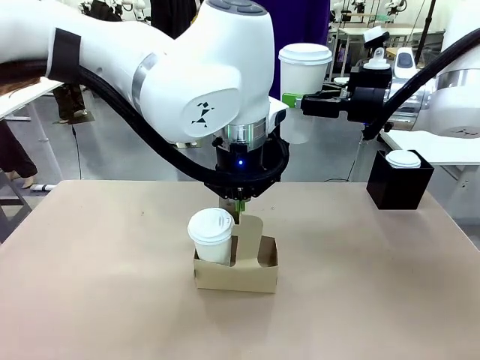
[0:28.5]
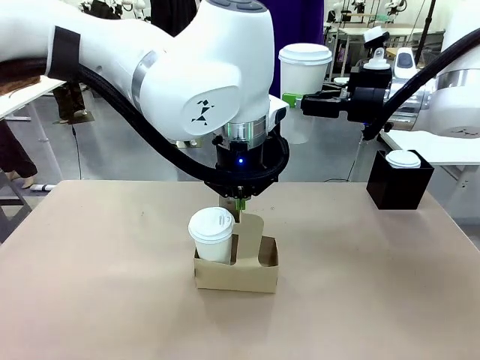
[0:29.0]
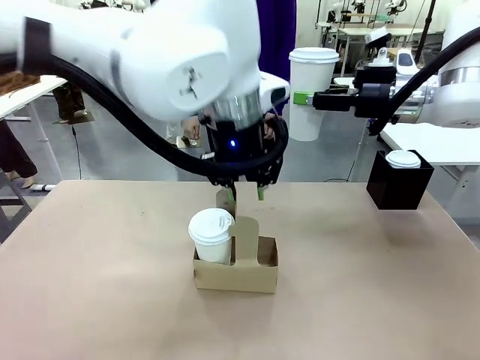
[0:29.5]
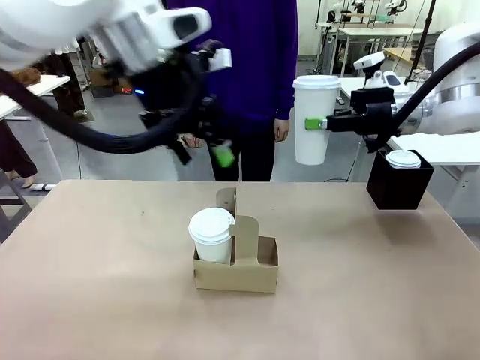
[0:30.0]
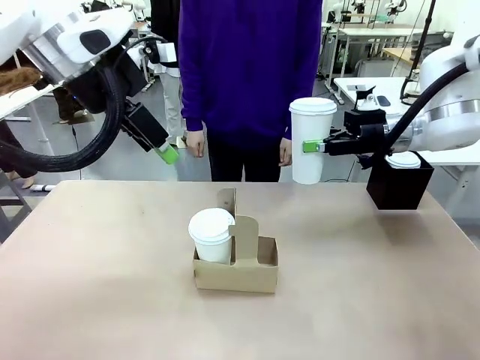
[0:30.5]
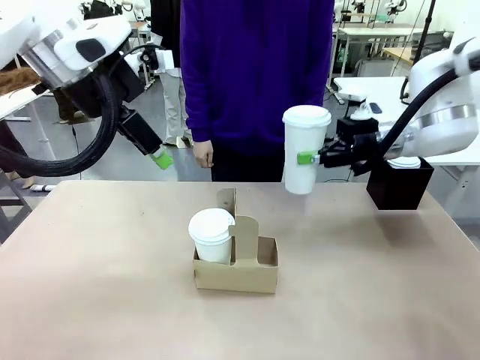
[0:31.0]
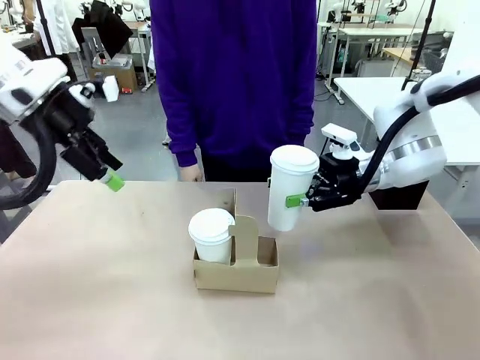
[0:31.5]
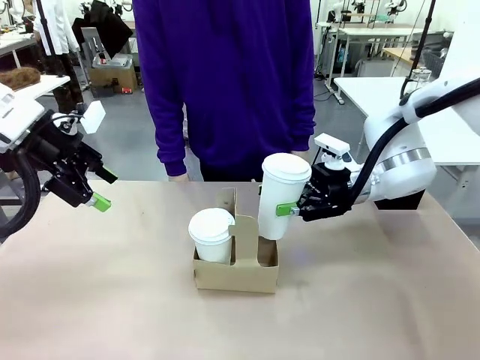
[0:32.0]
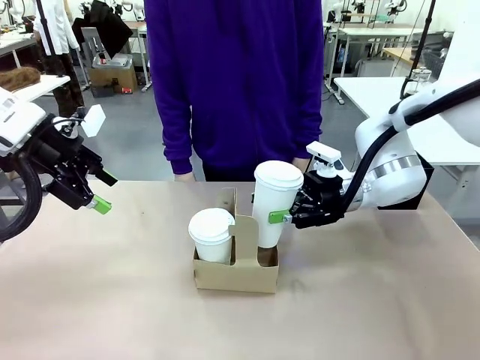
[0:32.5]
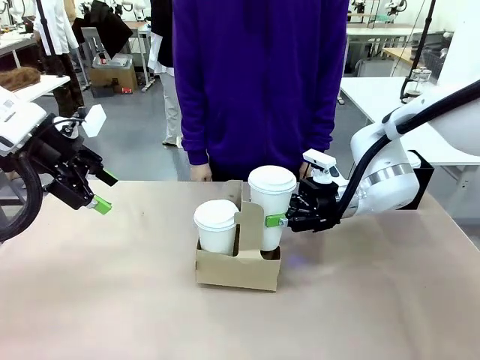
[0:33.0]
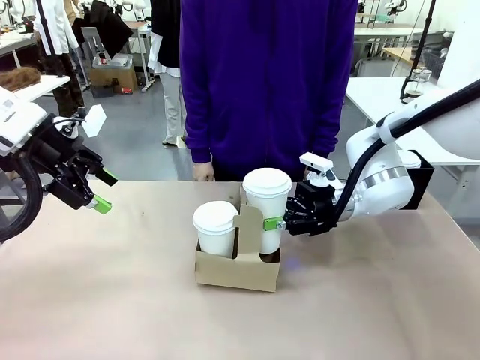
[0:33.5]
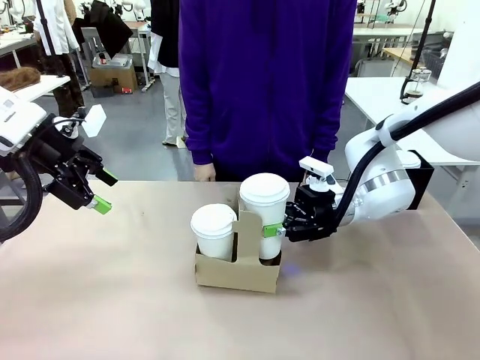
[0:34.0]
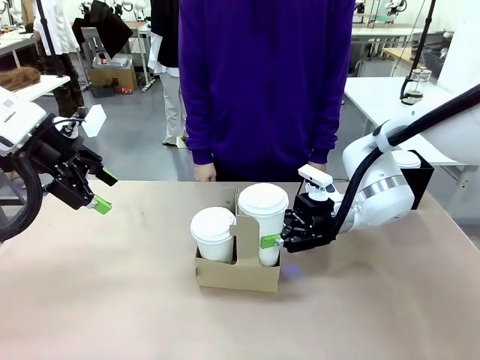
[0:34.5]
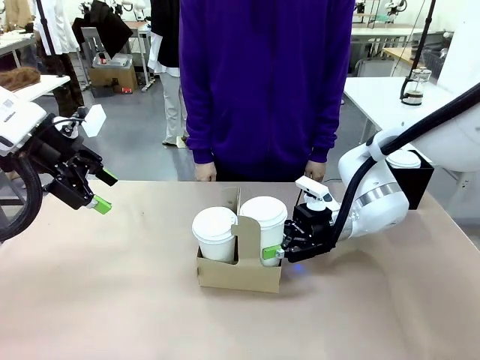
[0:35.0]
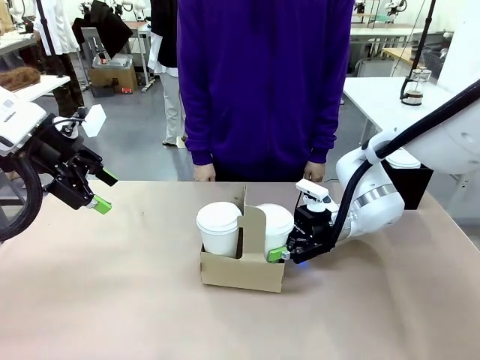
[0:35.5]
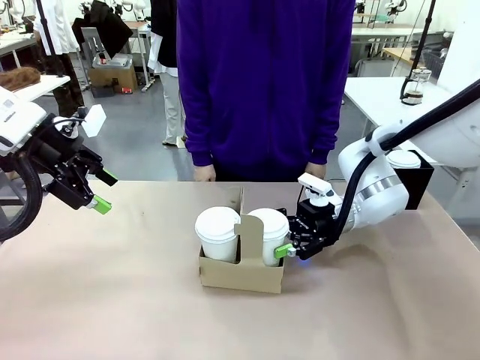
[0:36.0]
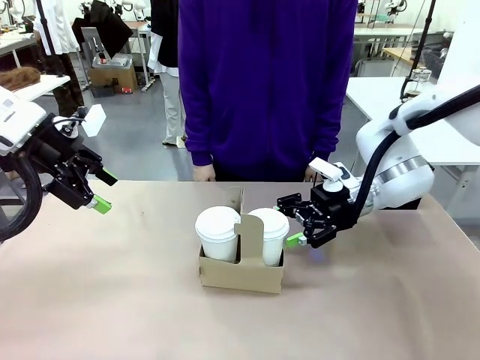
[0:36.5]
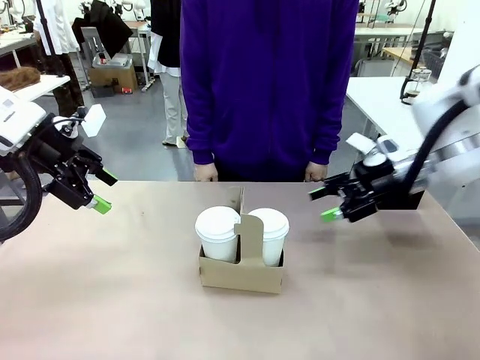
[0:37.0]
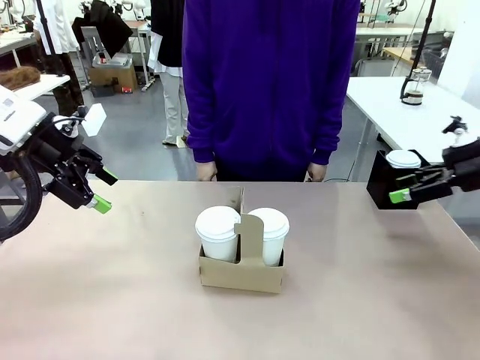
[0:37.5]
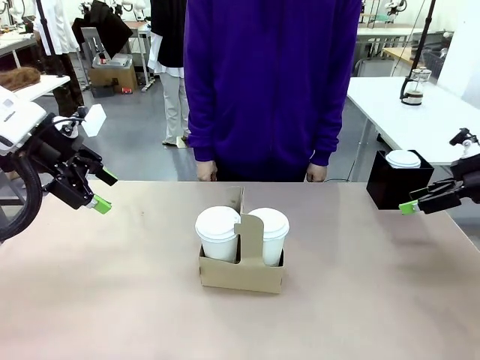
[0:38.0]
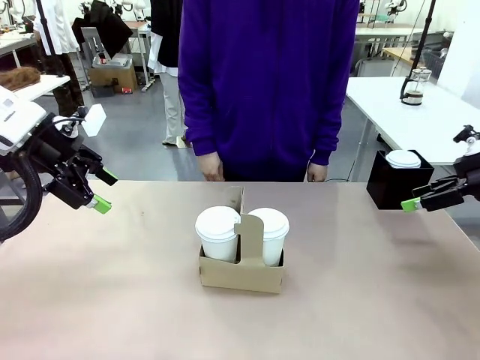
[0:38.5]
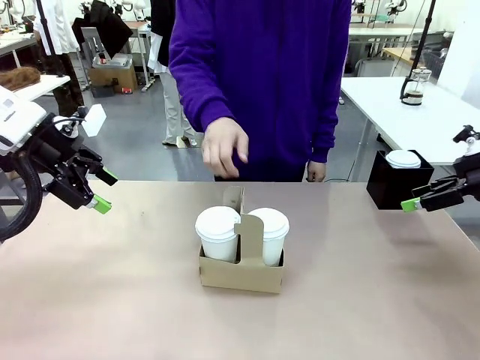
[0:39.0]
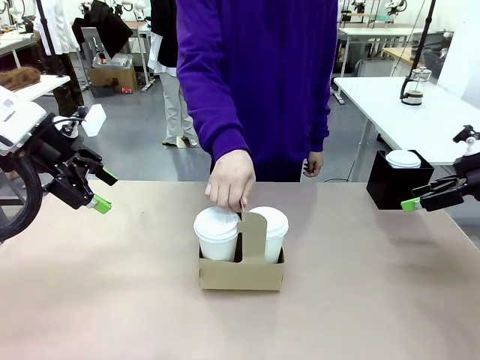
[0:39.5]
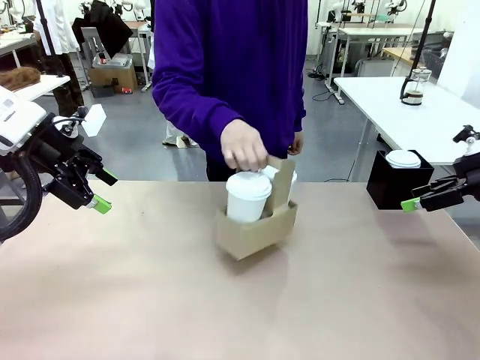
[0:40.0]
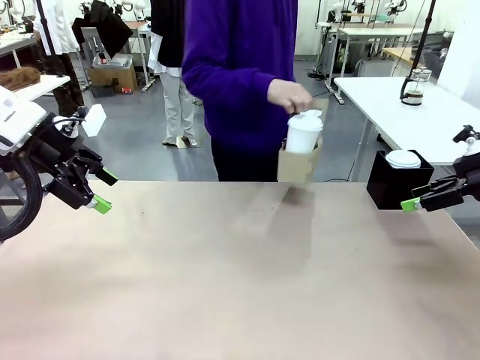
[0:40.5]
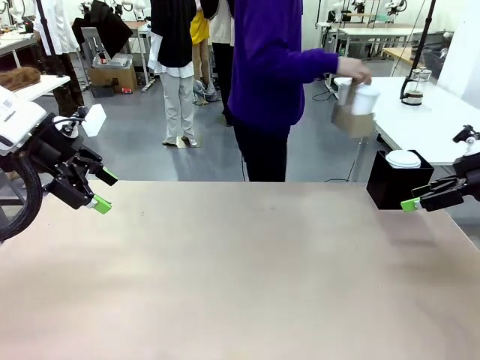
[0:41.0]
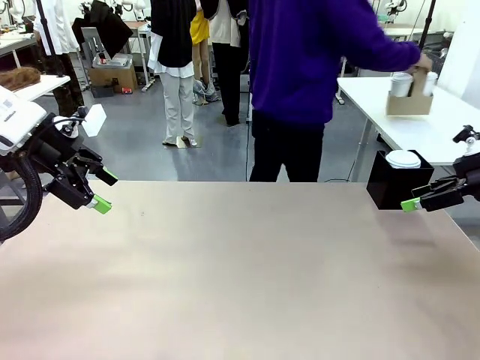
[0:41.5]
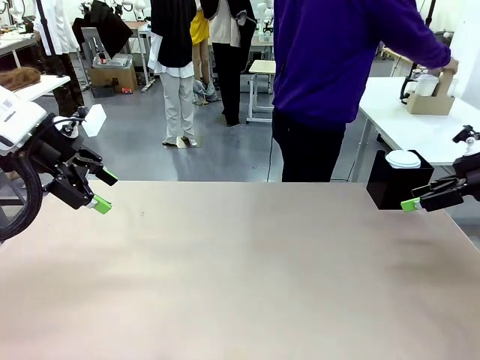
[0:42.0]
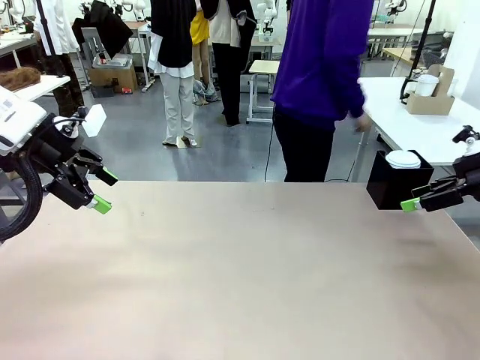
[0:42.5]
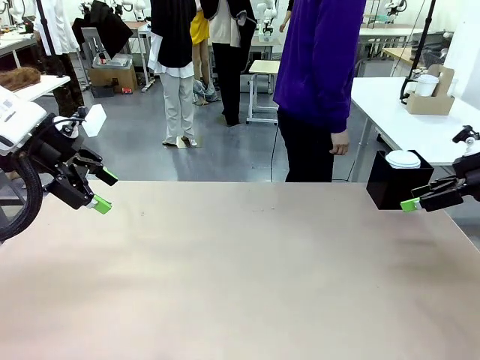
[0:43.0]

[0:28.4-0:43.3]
Task: Pour a drink into a cup and package it in a carrier.
Robot: Insert the held 600 ml Paper Cup into the Cup Carrier.
Person: Place the Cup Carrier to the middle of Human table.

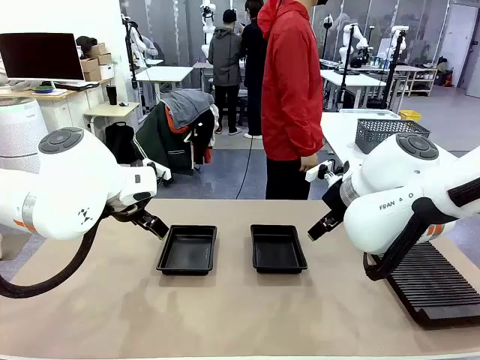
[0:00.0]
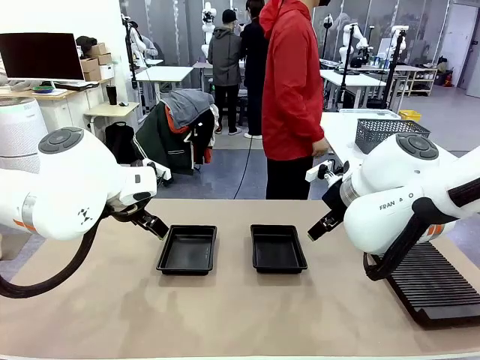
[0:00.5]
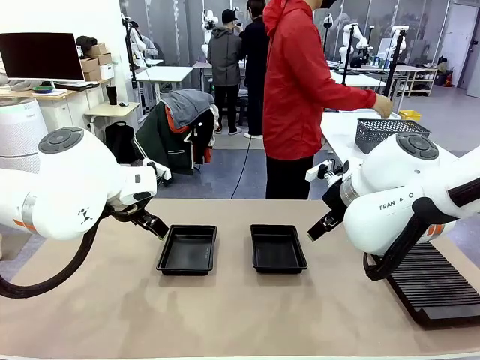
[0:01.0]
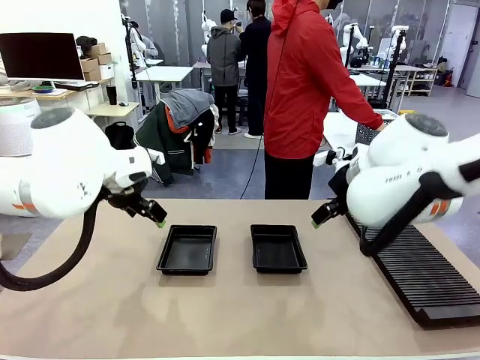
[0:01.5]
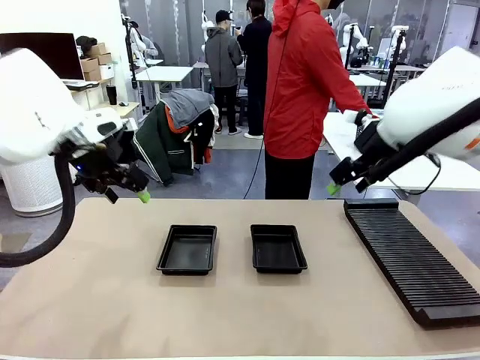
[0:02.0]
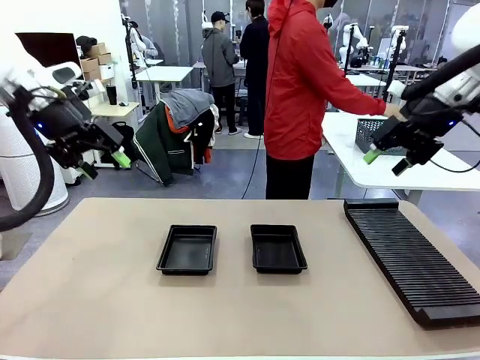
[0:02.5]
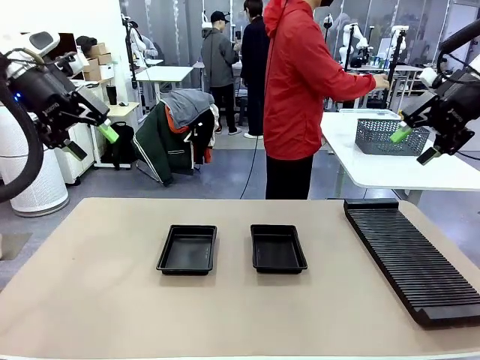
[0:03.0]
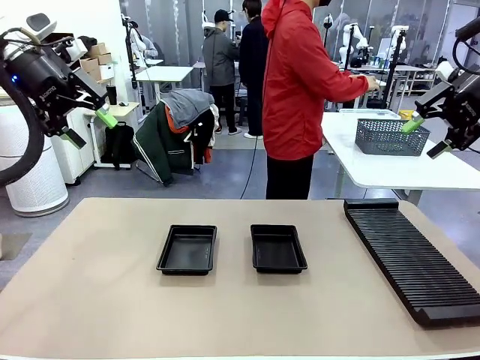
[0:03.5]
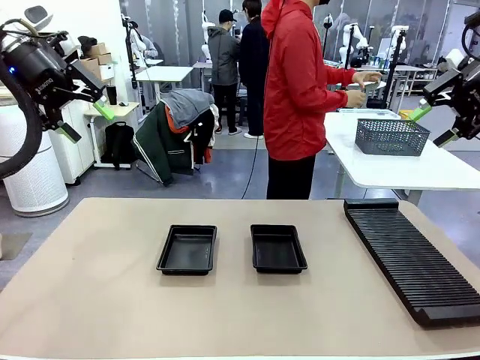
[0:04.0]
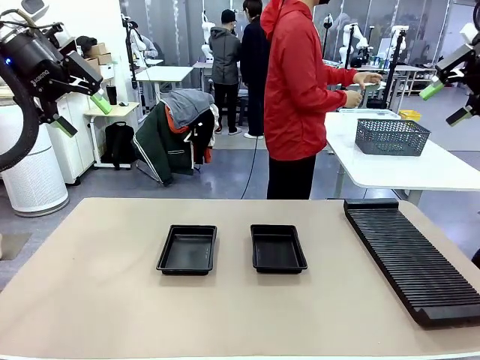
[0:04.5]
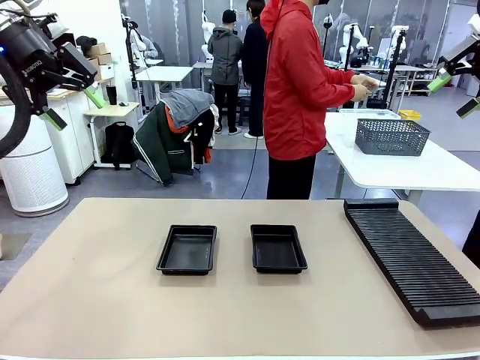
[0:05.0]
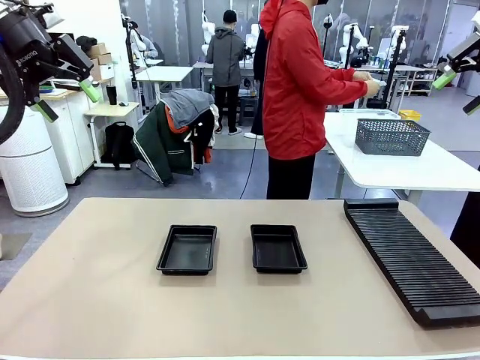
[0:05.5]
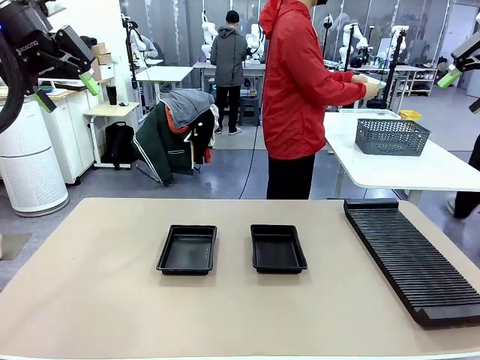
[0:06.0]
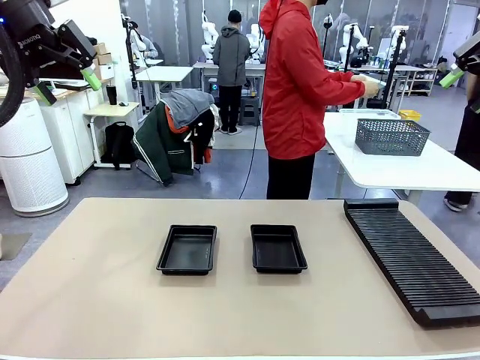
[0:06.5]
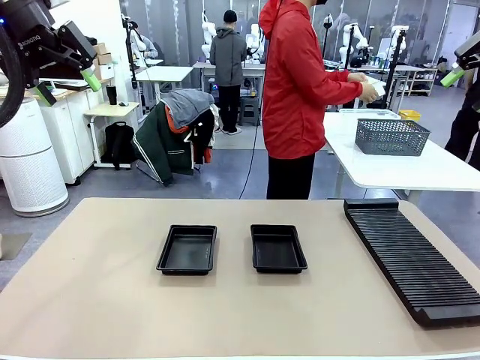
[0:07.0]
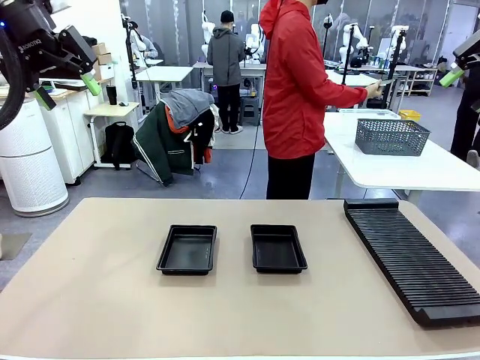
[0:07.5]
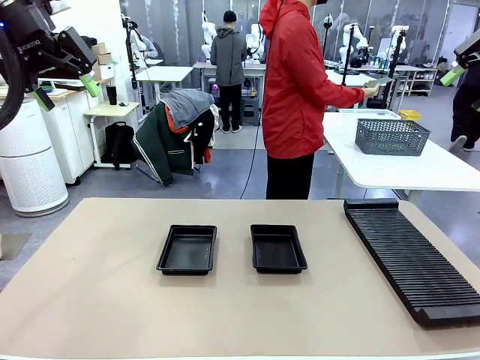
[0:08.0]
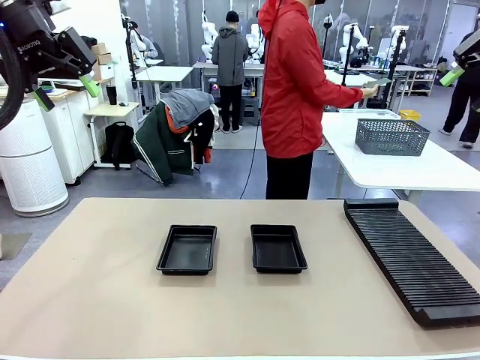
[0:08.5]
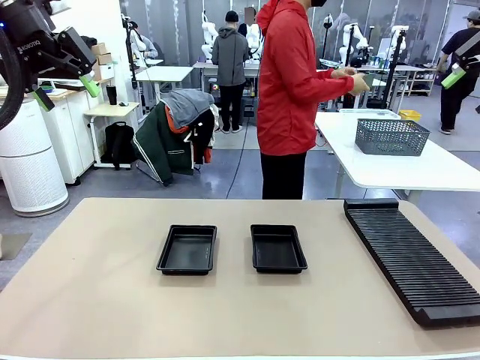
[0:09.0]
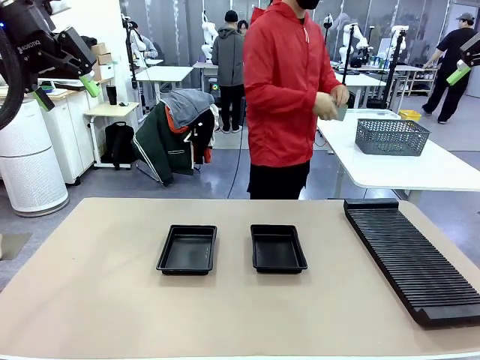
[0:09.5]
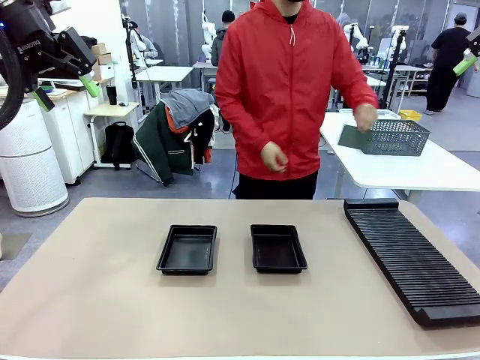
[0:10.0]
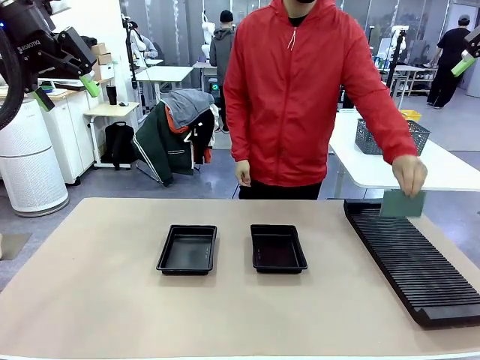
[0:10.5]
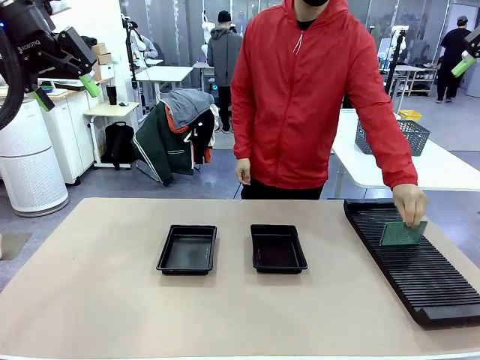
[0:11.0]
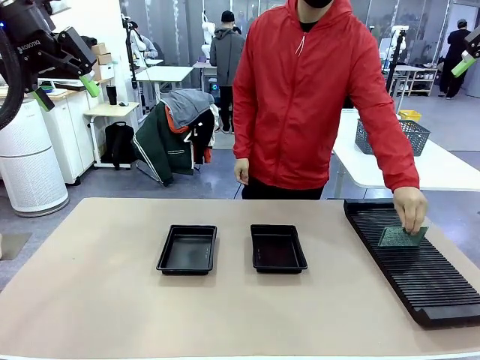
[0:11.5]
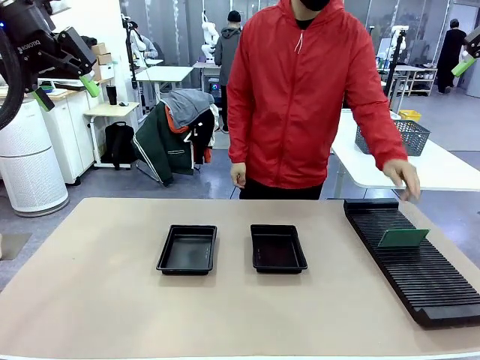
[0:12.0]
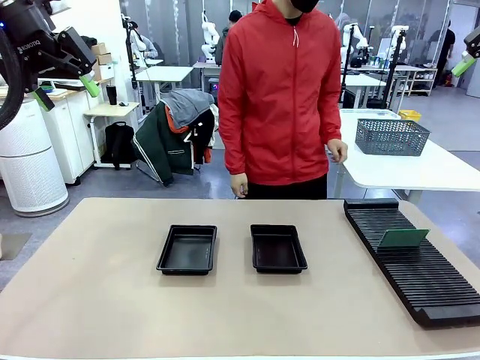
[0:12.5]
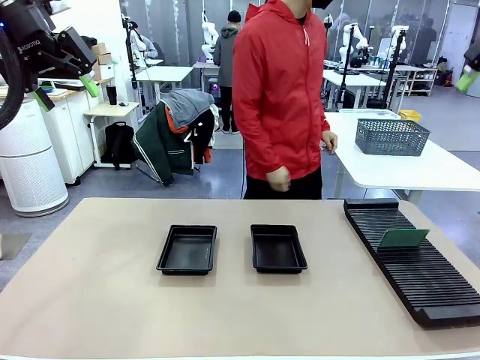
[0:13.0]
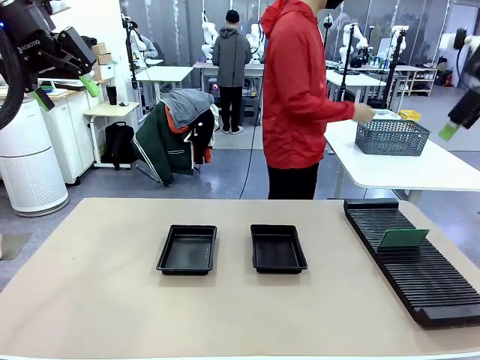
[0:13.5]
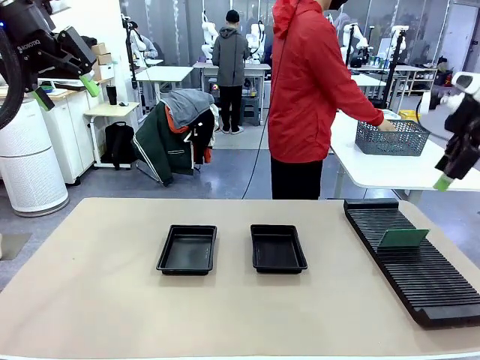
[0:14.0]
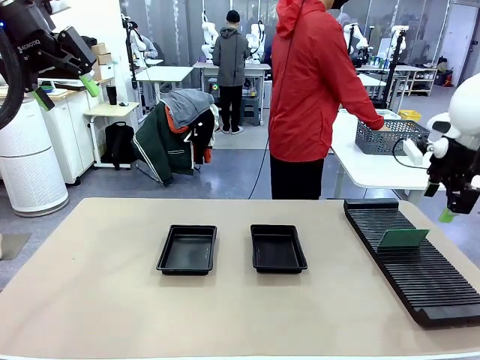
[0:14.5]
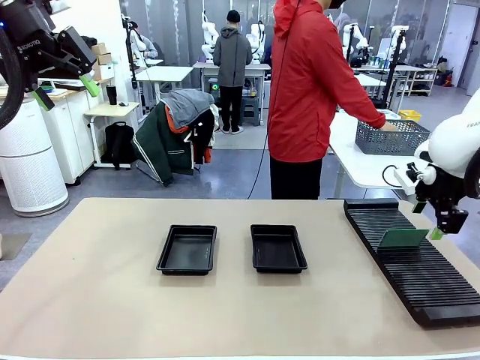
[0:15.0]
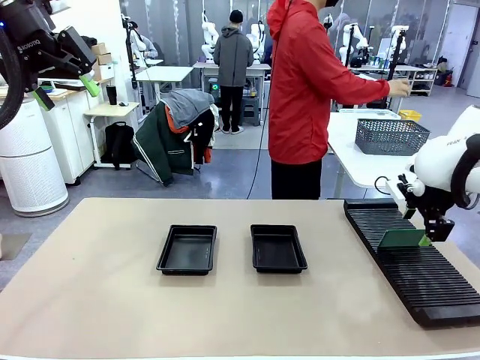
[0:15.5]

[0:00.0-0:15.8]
Task: Inspect and transfer BCBs to ESD trays.
Robot: Pick up the Blank PCB from the PCB Rack and place it in the left ESD tray.
